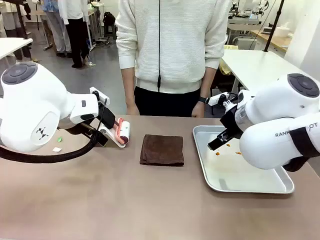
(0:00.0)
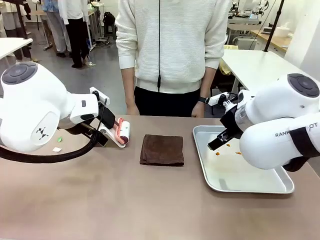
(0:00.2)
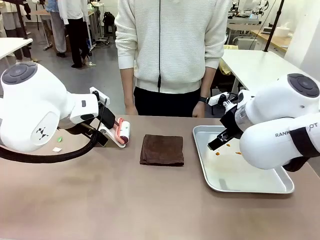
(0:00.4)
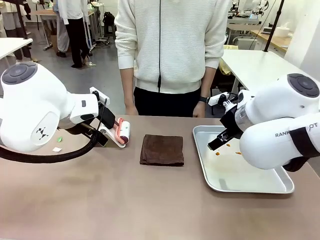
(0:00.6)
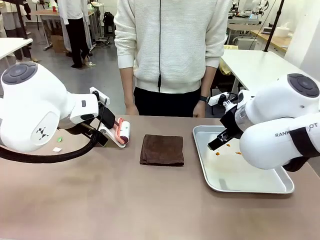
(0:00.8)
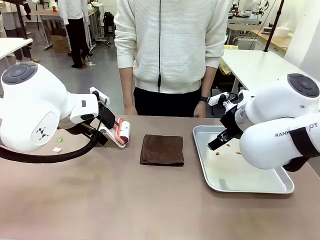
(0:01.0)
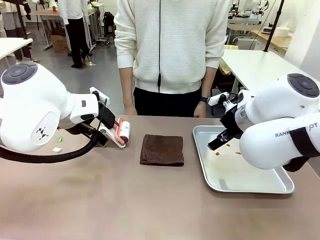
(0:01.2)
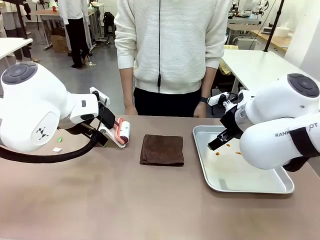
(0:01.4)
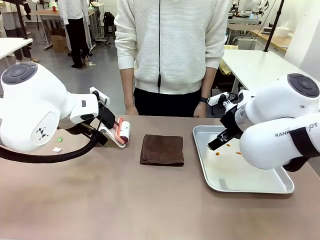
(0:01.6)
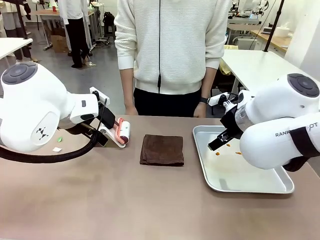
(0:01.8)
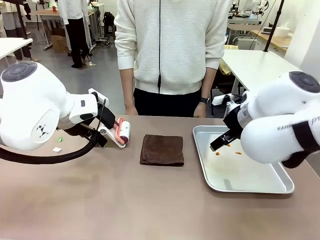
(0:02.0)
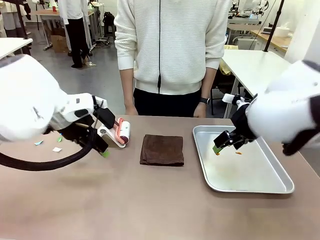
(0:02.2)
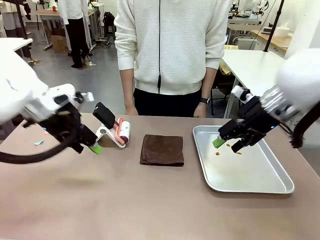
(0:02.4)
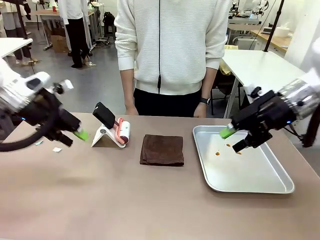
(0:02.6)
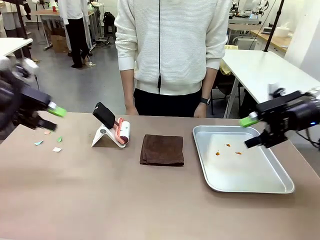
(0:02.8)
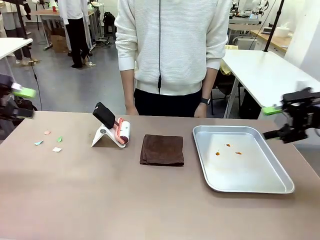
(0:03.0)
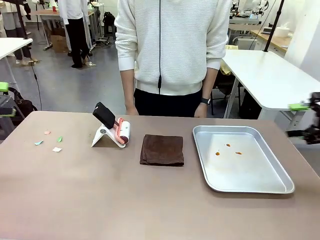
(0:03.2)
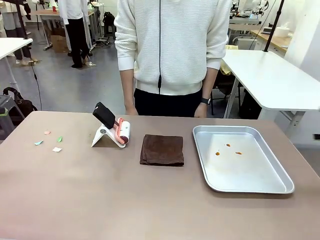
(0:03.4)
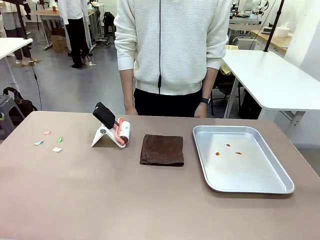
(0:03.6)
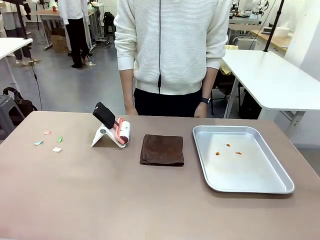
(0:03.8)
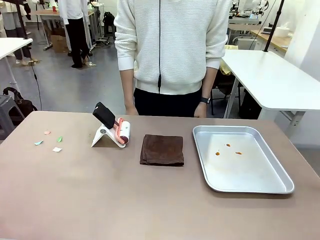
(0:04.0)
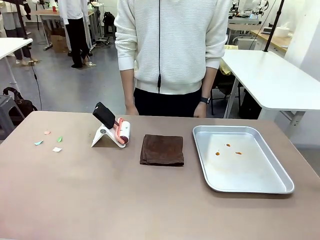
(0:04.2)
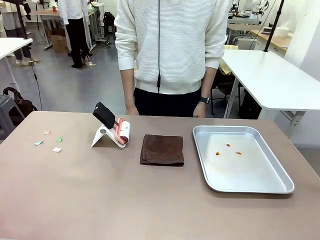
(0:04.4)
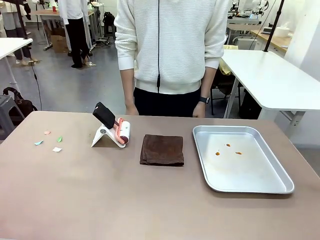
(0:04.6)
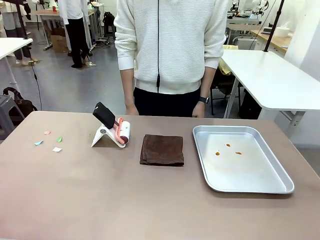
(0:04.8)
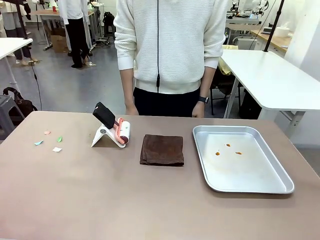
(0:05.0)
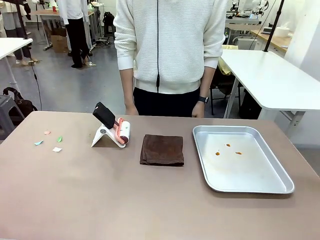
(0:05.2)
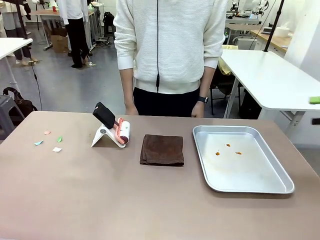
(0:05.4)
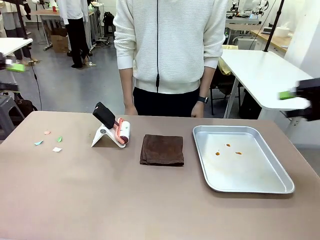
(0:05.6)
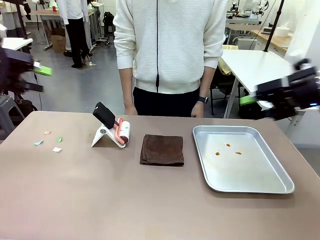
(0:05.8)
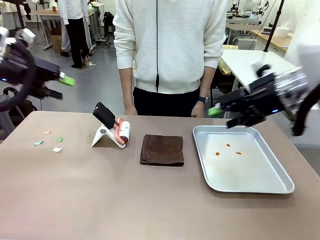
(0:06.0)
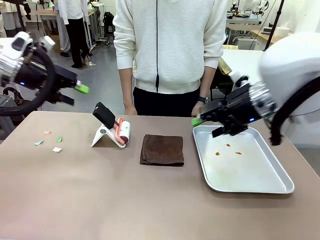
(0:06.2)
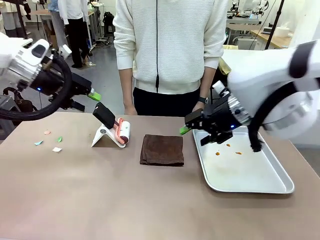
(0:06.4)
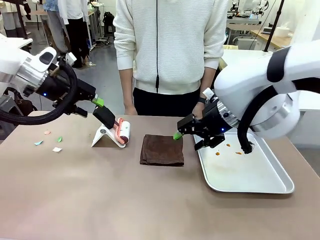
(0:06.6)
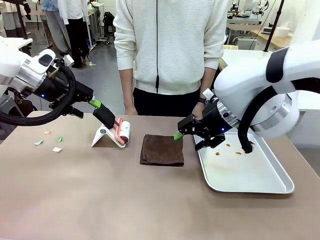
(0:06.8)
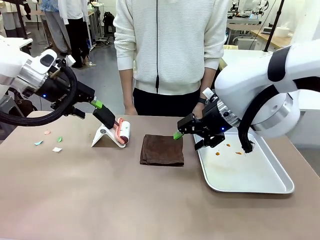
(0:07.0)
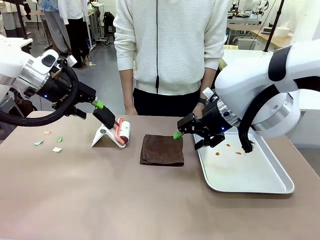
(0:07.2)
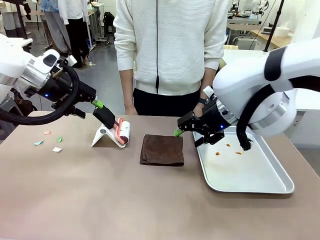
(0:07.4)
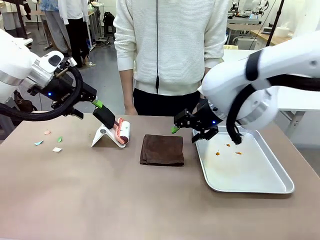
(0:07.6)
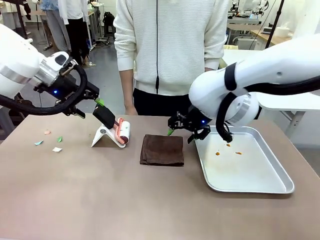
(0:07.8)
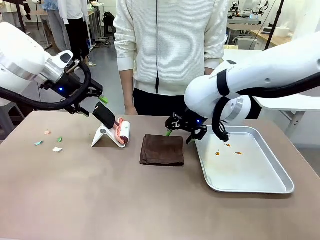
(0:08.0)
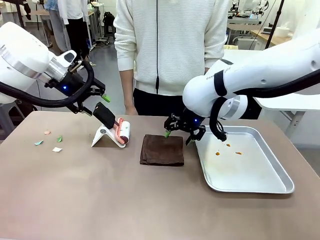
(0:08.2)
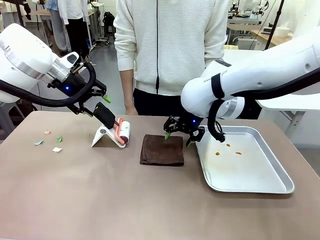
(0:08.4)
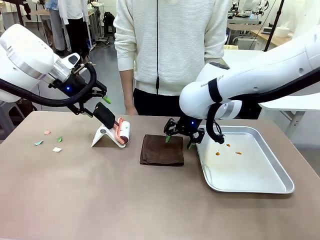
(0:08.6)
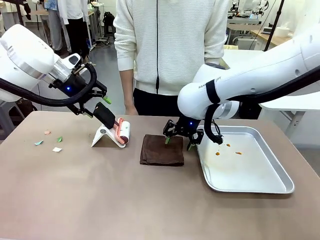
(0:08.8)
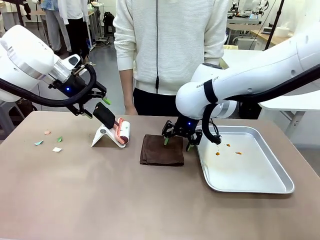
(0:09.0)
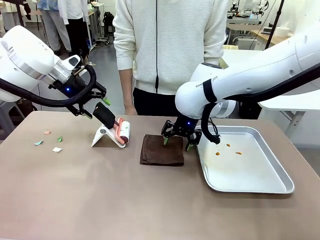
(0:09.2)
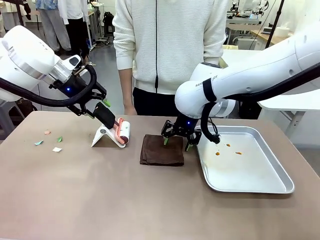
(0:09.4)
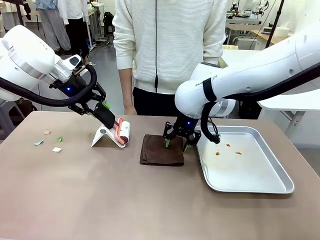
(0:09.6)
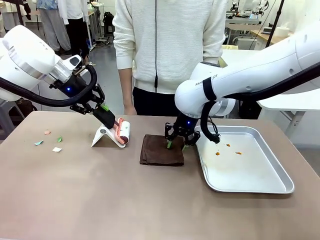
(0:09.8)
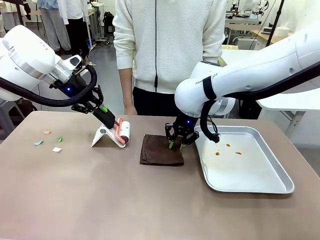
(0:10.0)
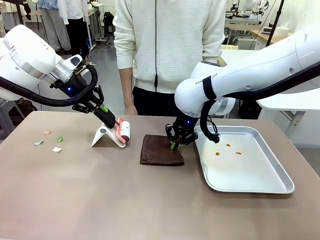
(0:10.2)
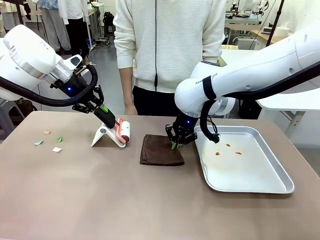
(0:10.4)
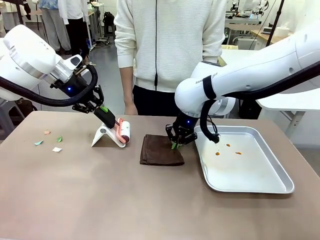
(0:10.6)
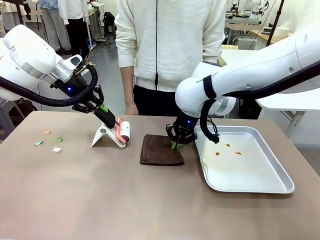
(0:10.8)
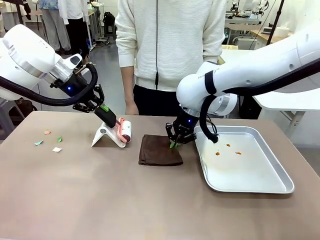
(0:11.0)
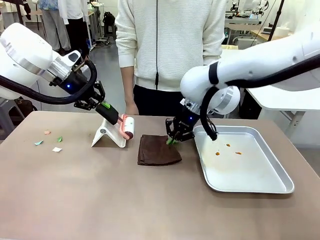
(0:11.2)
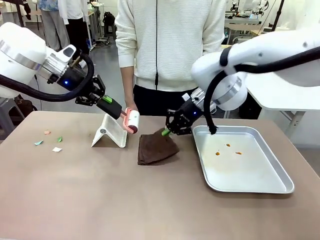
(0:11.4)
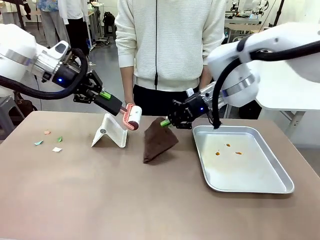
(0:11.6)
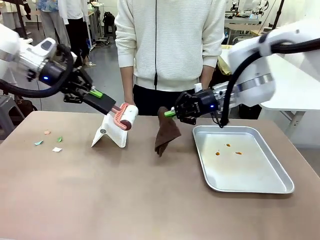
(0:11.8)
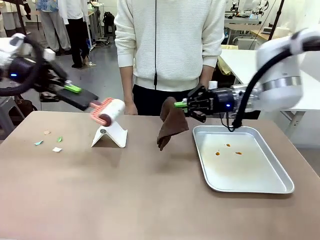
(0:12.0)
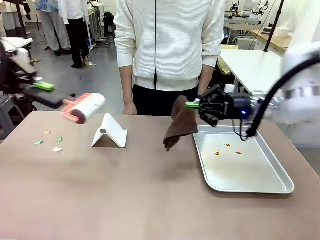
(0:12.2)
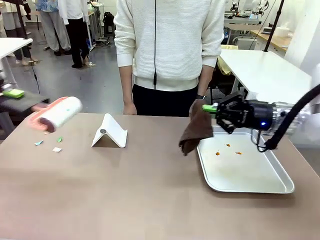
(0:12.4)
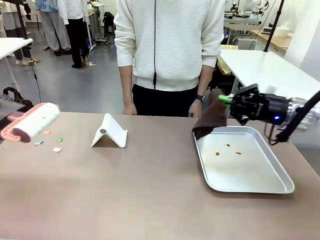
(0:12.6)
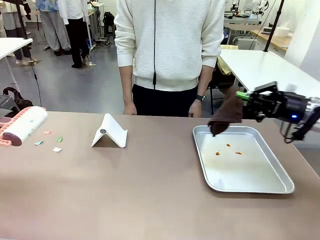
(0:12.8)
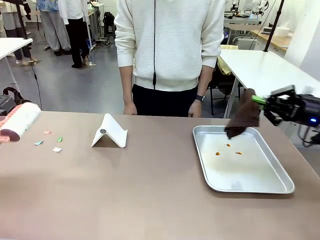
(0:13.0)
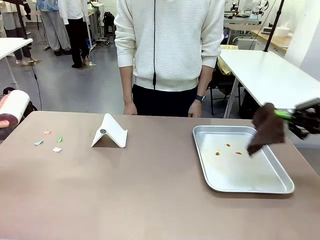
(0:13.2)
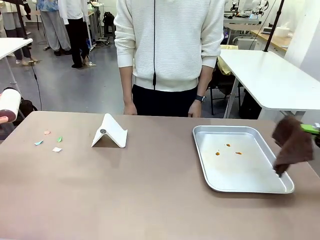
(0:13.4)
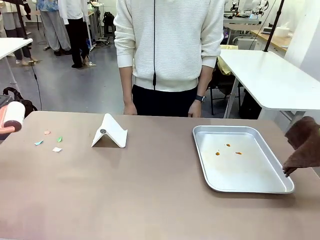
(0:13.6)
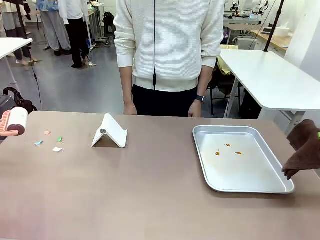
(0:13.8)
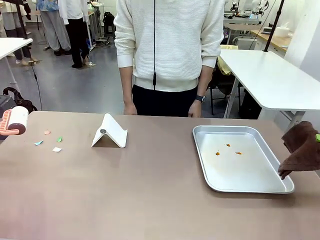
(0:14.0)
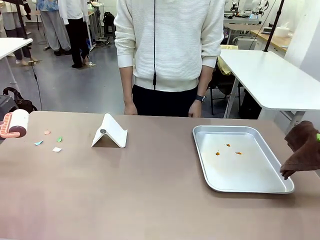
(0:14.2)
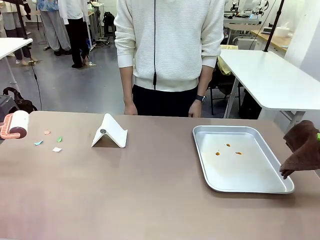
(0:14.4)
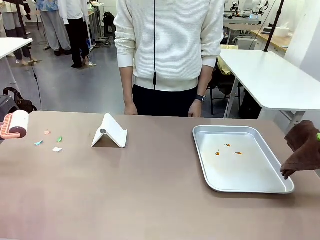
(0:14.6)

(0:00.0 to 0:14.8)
Task: Clean the surface of the table.
Robot: Hold the Lint Roller with your left hand and the towel with your right hand.

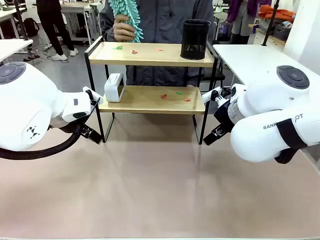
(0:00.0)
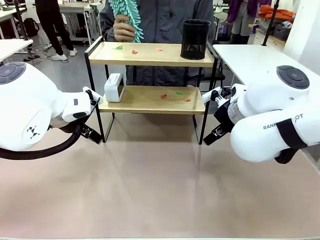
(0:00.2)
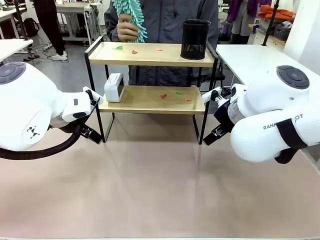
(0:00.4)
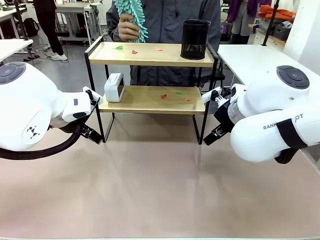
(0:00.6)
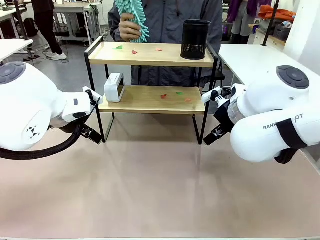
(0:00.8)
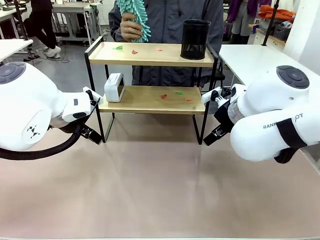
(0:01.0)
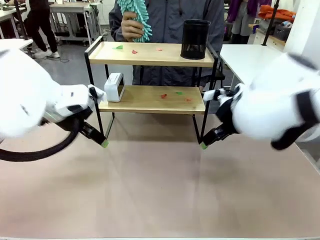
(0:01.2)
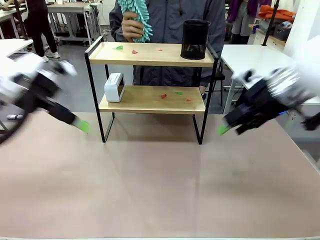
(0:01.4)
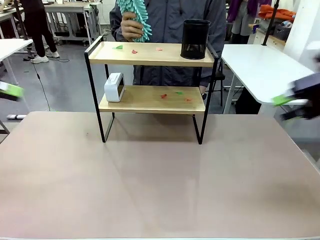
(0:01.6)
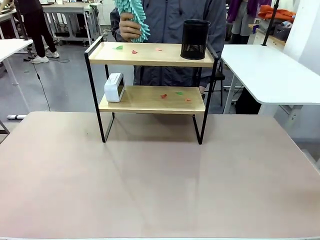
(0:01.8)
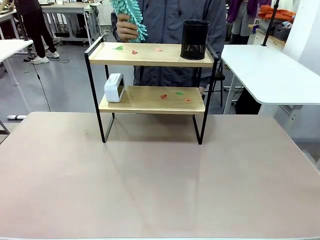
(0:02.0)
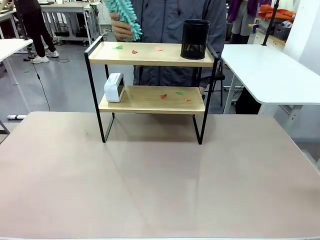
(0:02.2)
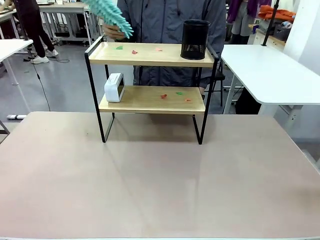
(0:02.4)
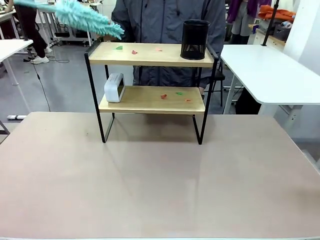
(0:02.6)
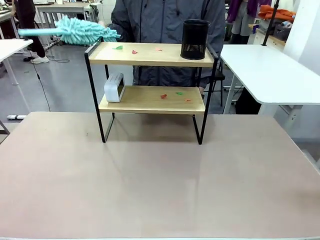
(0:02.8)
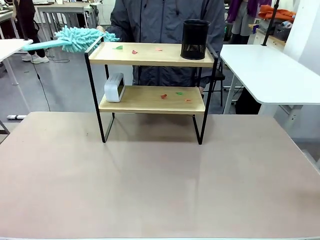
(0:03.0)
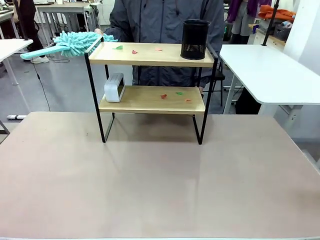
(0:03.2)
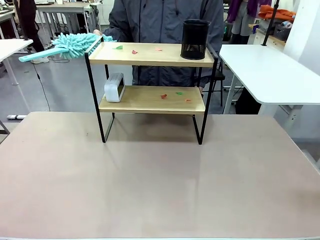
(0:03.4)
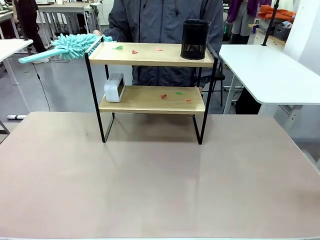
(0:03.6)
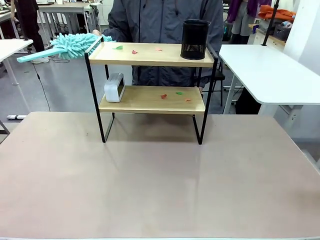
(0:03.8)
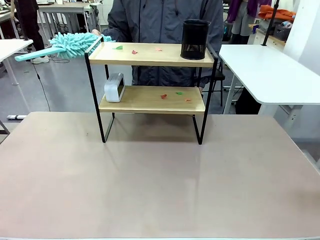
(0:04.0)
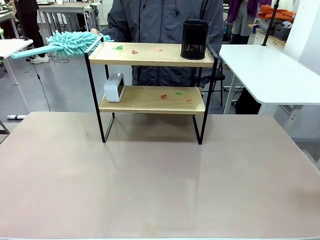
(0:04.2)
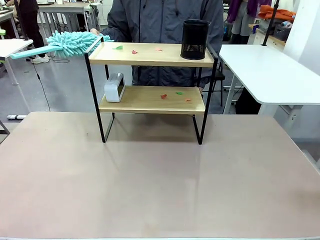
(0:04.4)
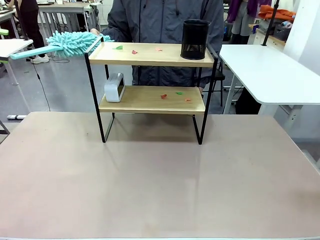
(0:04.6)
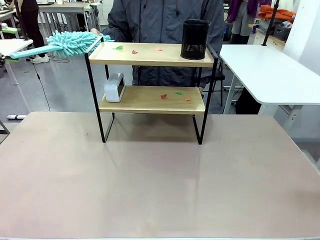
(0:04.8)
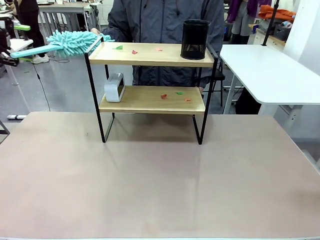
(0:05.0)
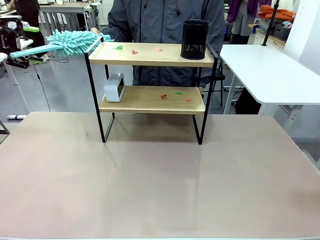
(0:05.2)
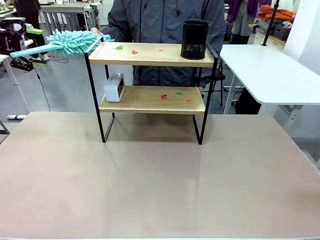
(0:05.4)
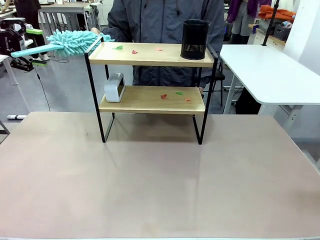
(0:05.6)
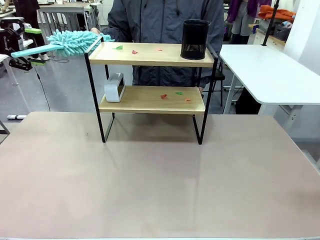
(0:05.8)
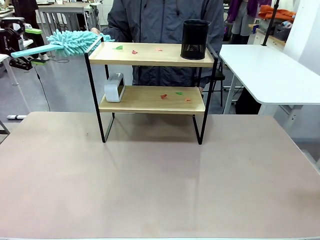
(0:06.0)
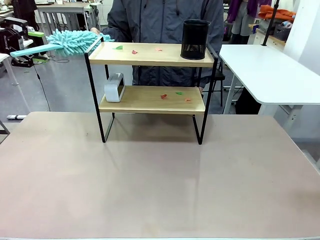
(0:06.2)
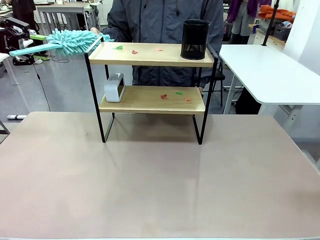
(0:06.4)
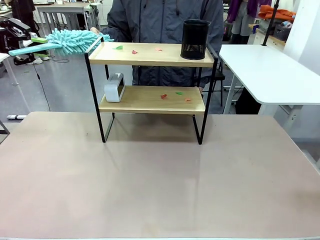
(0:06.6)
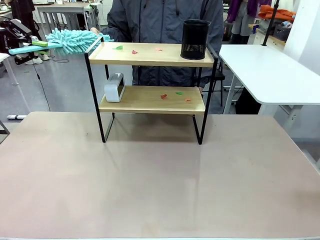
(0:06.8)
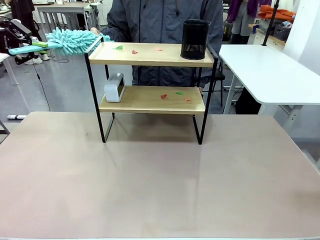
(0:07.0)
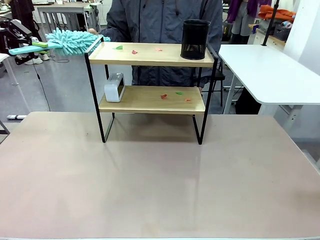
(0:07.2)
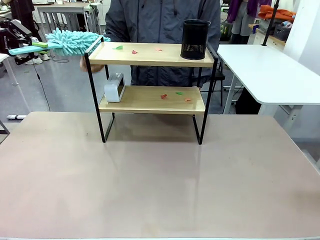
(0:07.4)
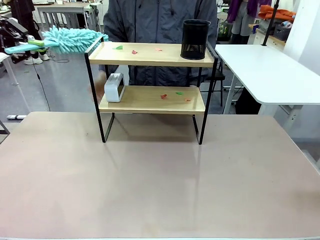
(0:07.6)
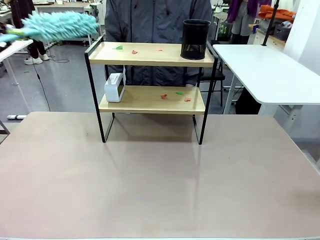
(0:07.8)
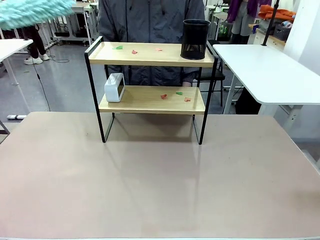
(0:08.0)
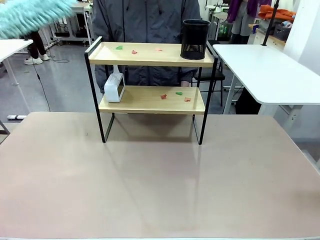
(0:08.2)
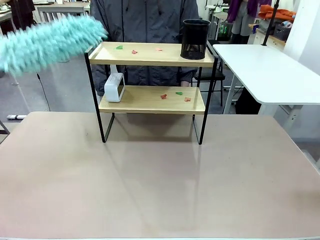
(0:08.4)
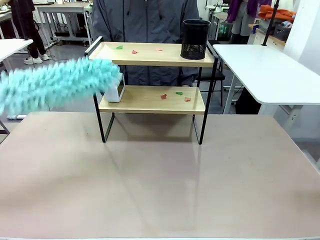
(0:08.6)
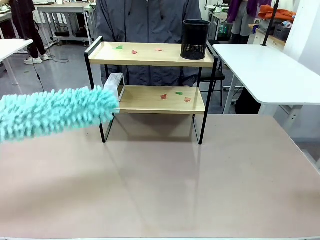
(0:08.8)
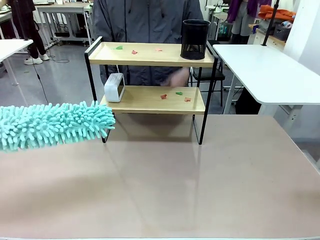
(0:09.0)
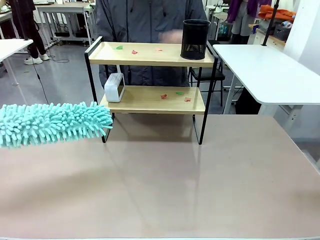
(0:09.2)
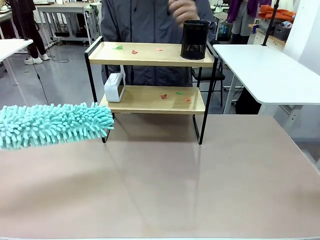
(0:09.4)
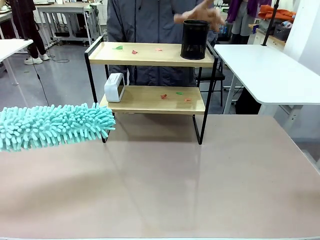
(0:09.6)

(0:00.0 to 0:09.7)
Task: Clean the shelf.
Robot: Pick up the Duster from the human.
Person: Hand the Duster to the robot.
